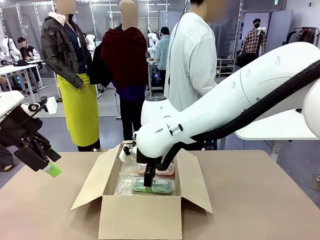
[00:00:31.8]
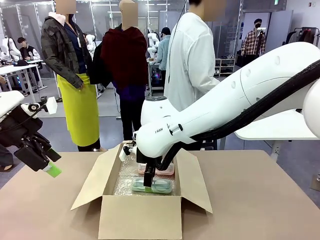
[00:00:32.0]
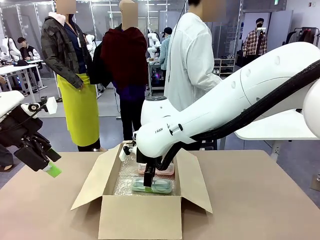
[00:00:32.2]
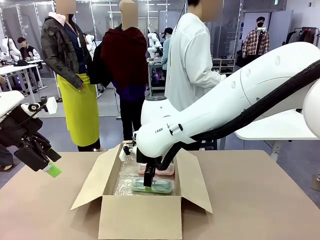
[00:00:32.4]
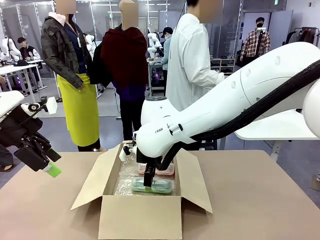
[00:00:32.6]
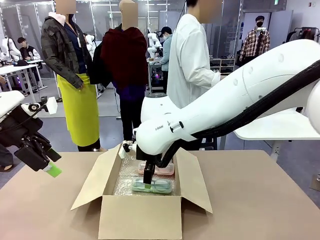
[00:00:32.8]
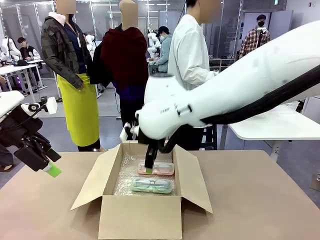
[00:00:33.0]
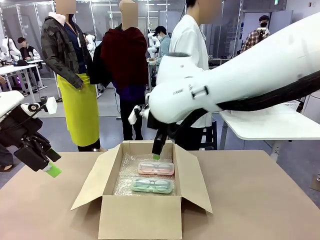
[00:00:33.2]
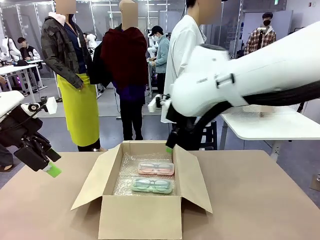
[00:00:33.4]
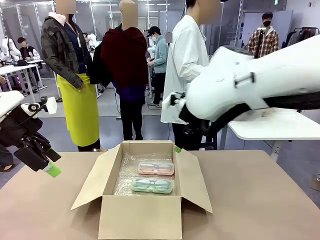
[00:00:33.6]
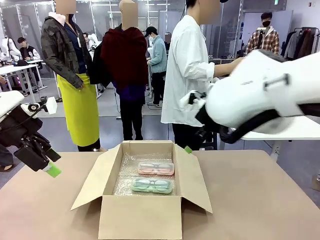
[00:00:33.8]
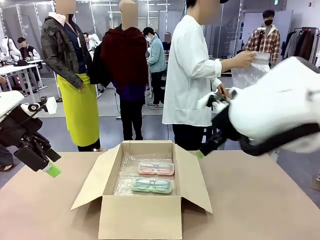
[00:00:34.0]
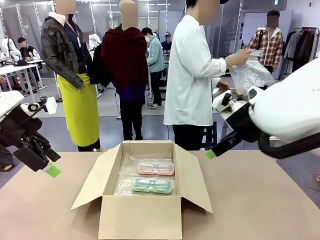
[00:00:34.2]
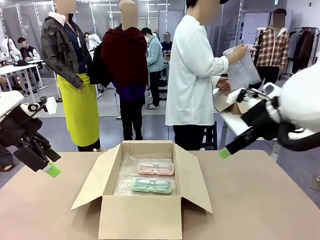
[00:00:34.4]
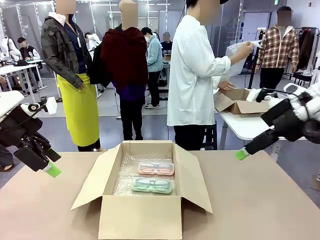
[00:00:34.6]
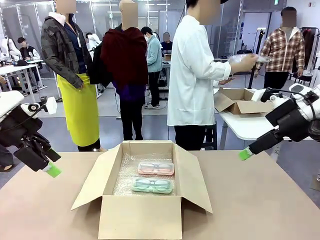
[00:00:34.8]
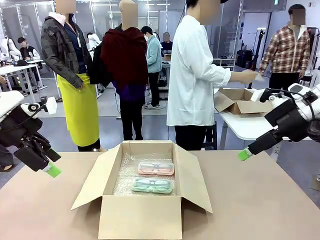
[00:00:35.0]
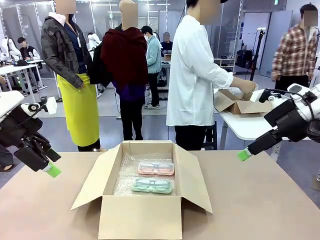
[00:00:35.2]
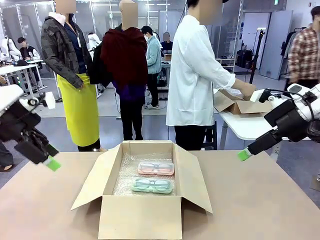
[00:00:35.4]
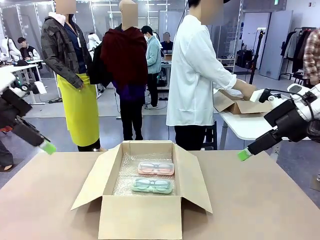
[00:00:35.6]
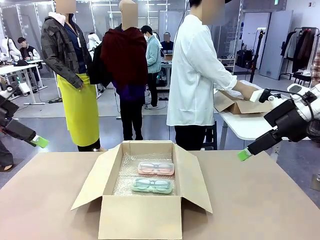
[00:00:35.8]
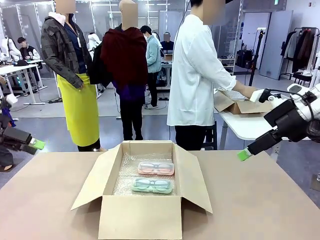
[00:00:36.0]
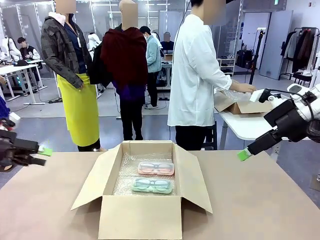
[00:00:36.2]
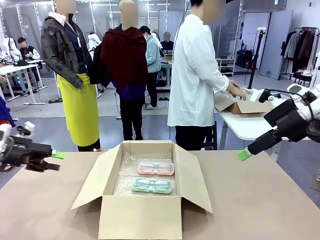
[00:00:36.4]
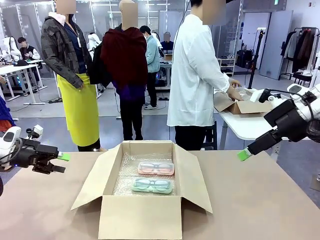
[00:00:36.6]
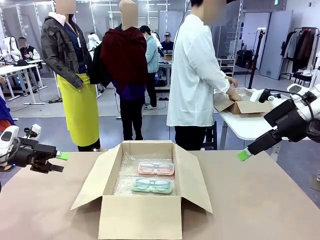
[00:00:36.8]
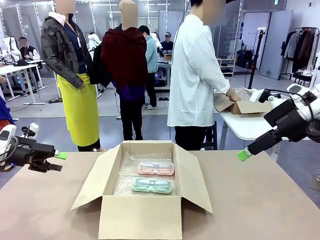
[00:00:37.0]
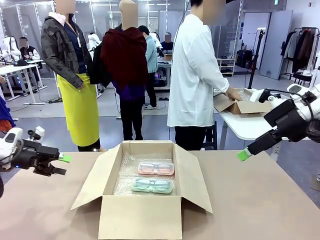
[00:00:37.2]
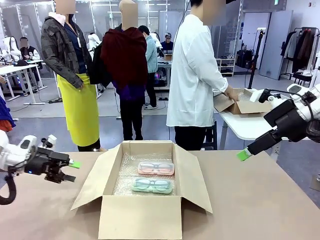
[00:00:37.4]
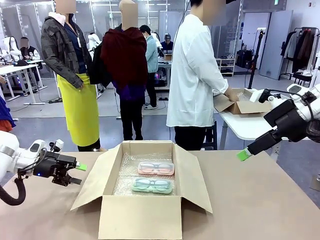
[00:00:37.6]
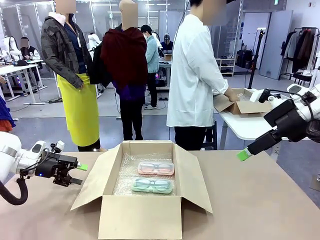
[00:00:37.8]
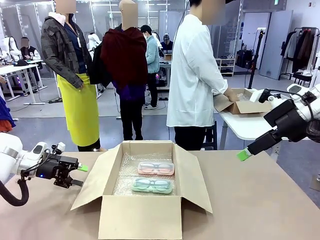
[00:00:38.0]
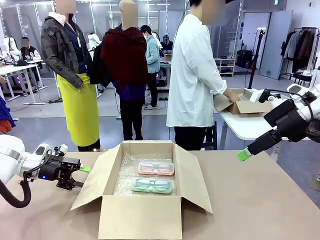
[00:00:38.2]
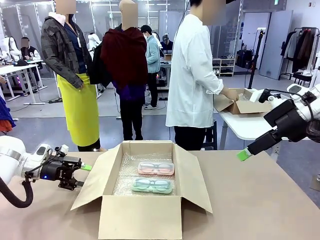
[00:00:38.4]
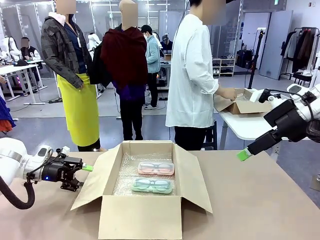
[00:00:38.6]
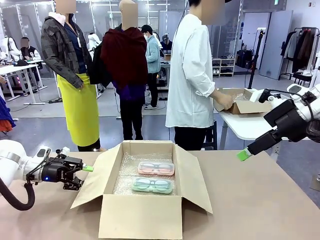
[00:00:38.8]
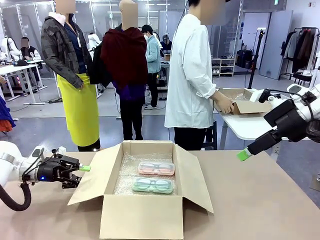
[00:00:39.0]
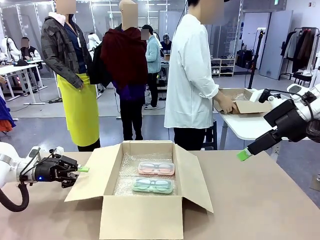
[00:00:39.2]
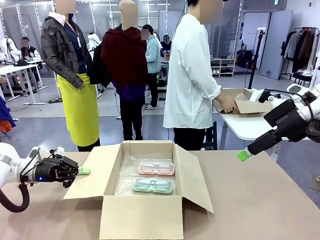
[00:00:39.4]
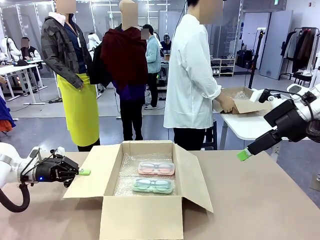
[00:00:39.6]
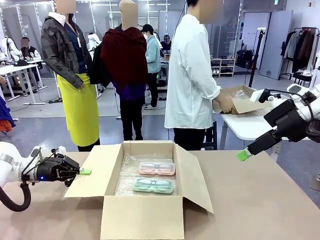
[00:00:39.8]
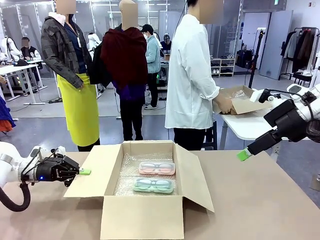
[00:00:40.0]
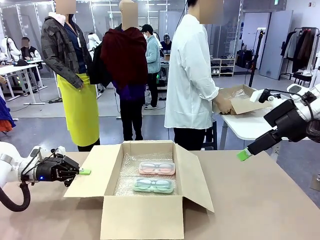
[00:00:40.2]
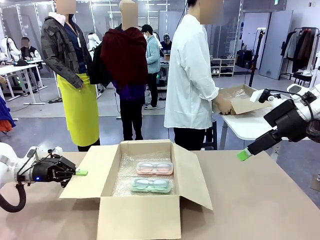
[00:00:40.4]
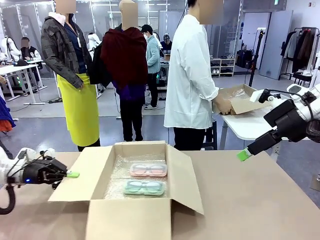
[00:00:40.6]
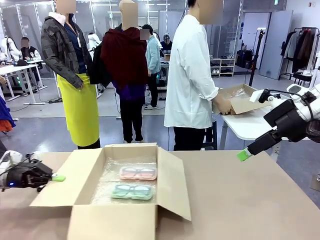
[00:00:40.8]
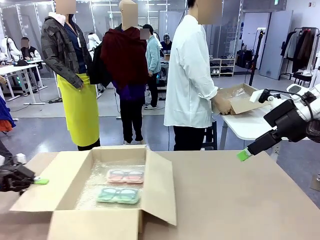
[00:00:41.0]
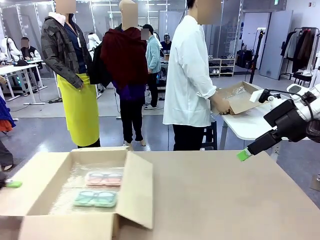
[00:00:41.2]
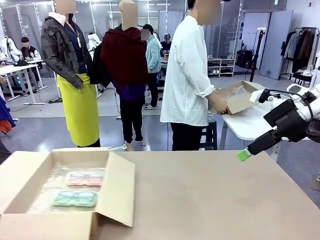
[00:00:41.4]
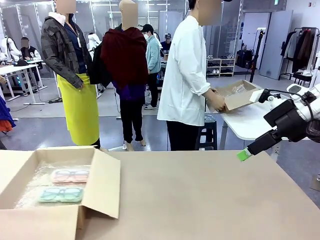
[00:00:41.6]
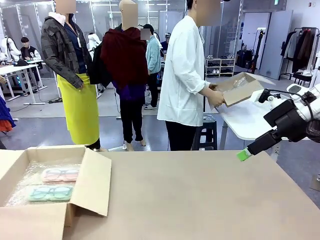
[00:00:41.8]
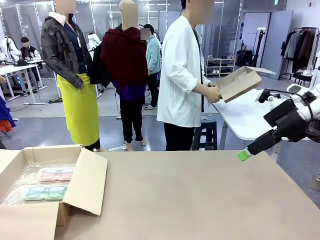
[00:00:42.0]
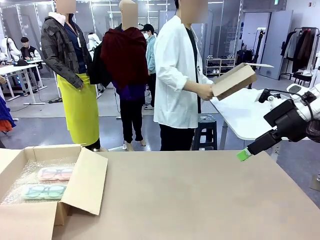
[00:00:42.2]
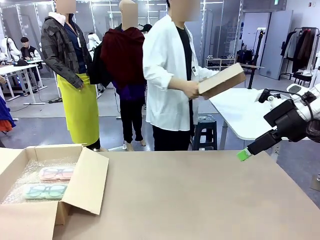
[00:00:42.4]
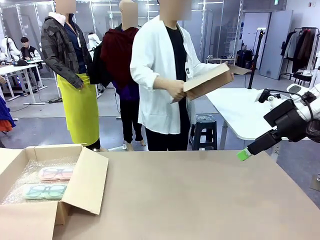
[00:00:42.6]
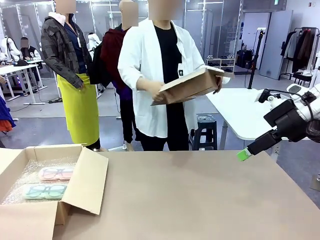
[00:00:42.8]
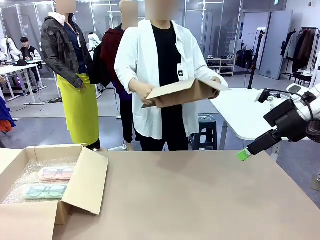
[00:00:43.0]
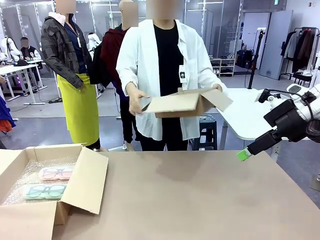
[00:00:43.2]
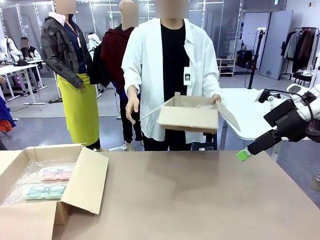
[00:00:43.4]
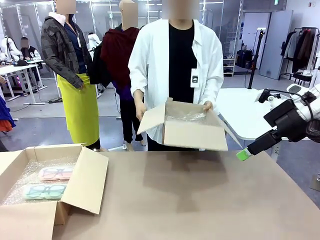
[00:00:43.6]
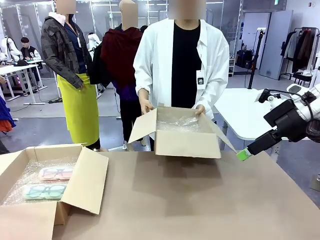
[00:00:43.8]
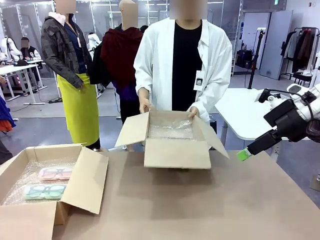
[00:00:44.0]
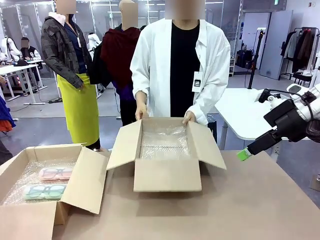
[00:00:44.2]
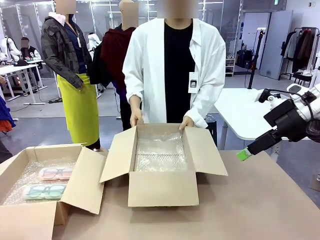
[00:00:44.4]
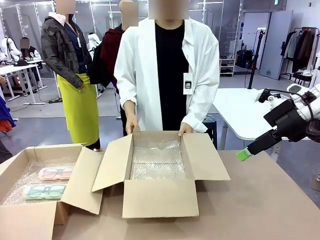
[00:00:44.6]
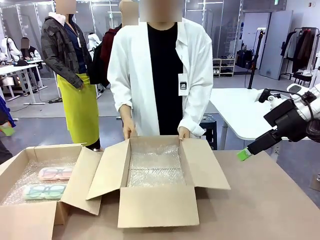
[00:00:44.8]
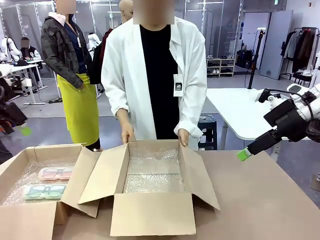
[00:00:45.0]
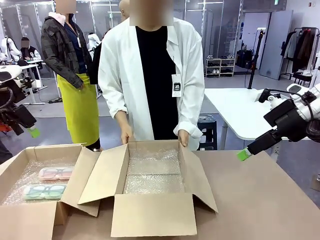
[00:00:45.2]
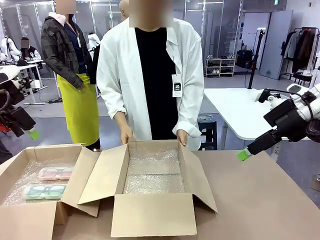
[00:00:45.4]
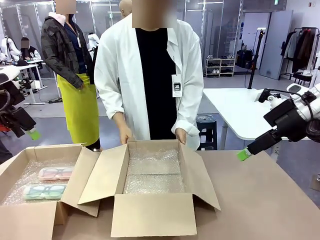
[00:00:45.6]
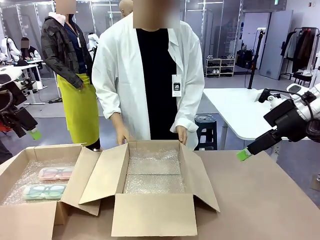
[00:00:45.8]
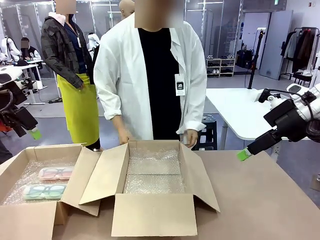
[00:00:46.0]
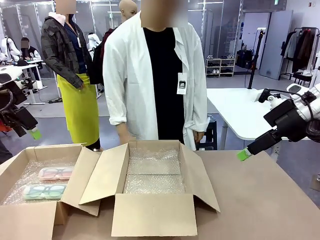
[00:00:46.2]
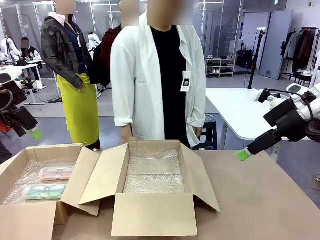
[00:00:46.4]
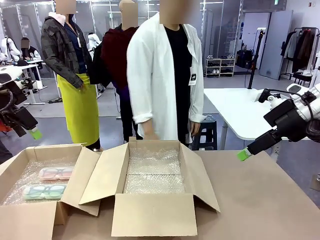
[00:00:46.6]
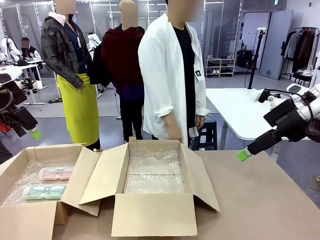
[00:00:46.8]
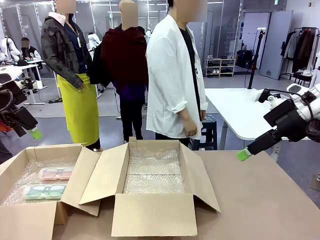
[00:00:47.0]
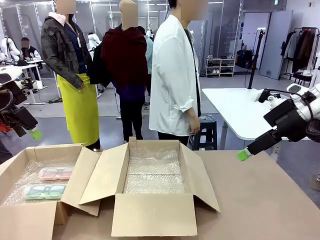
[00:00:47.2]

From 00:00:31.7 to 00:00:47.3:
Task: Pack the glasses set securely to prepare it for shipping.
Robot: Position the Package Box on the left side of the table.
Person: Position the empty Package Box in the middle of the robot's table.
